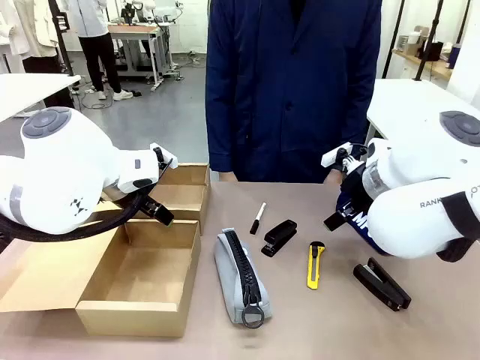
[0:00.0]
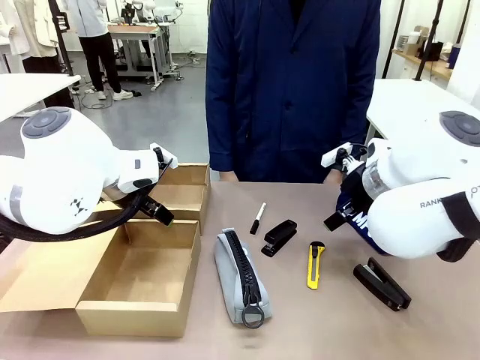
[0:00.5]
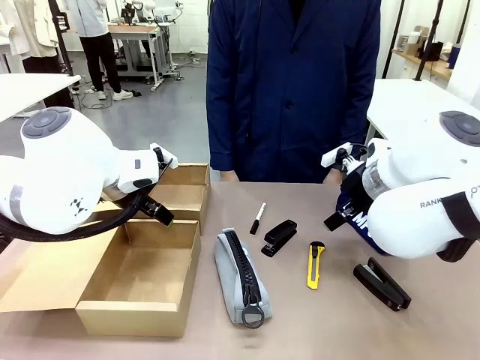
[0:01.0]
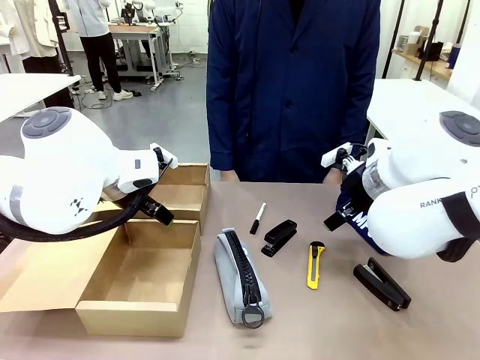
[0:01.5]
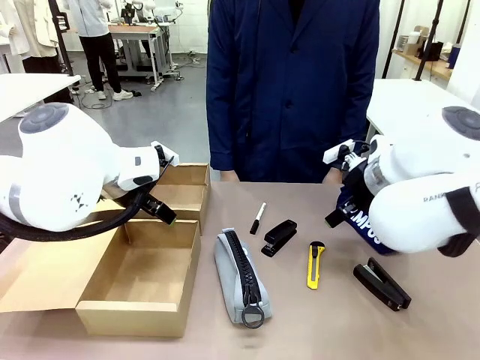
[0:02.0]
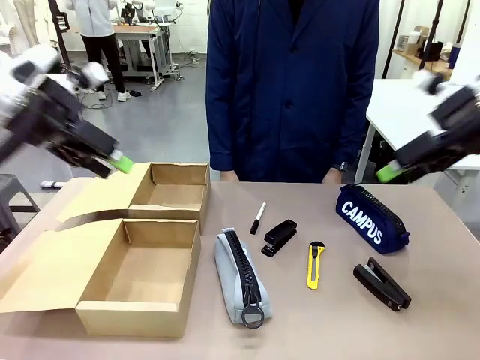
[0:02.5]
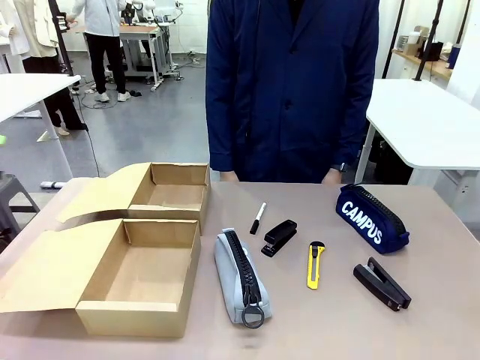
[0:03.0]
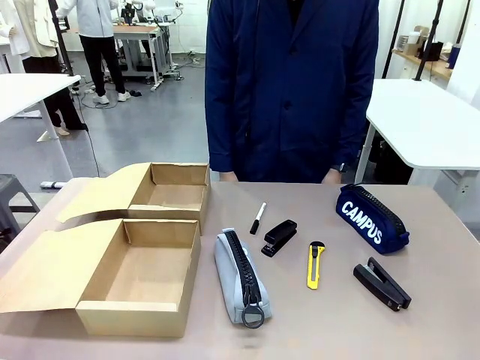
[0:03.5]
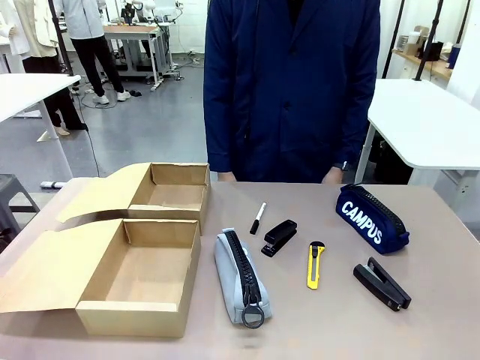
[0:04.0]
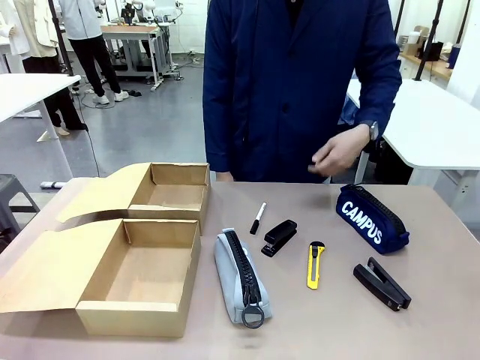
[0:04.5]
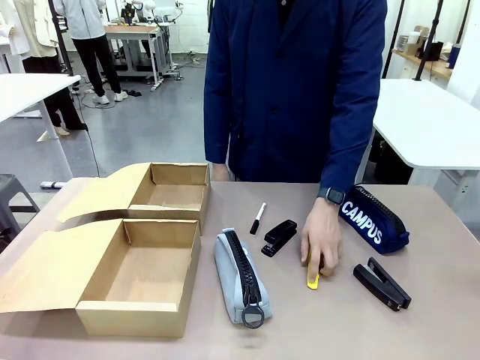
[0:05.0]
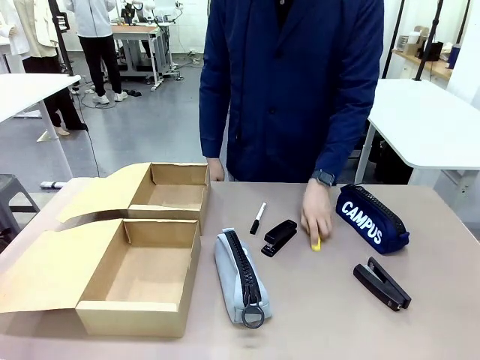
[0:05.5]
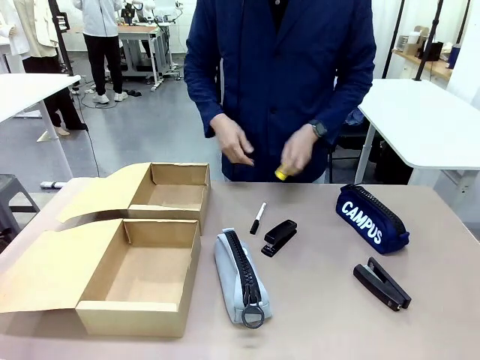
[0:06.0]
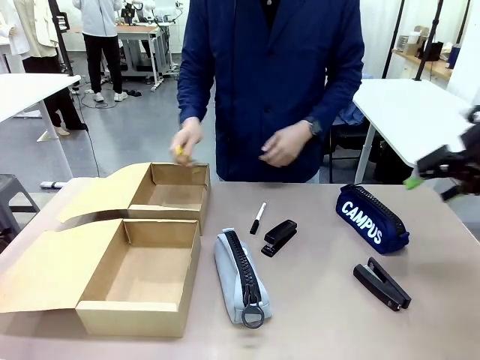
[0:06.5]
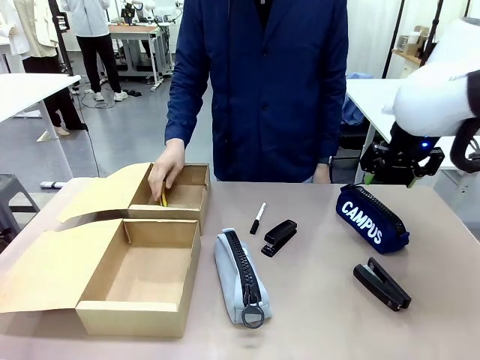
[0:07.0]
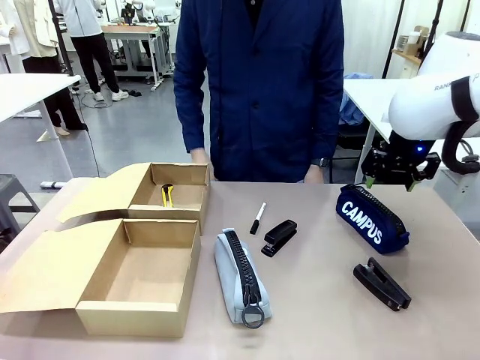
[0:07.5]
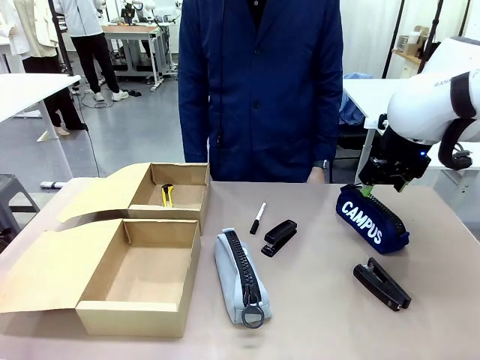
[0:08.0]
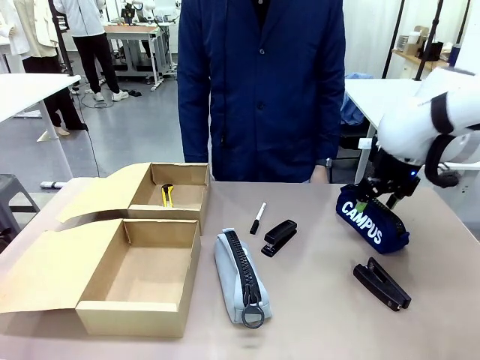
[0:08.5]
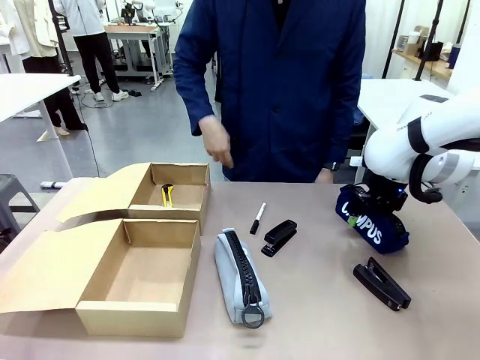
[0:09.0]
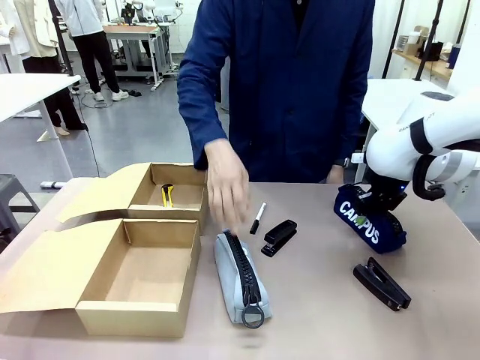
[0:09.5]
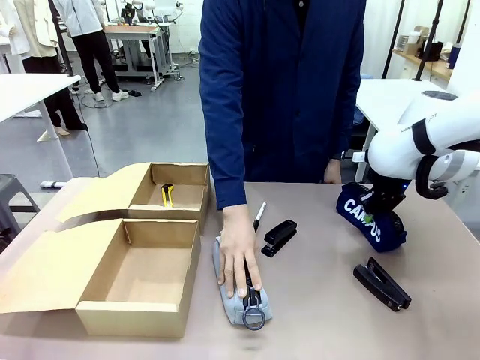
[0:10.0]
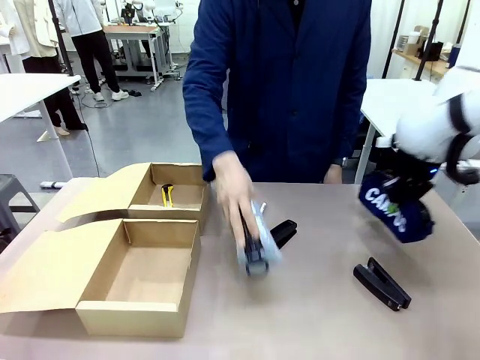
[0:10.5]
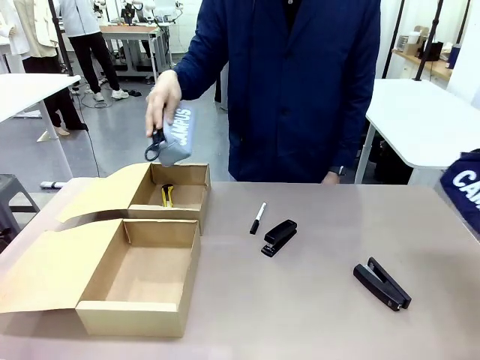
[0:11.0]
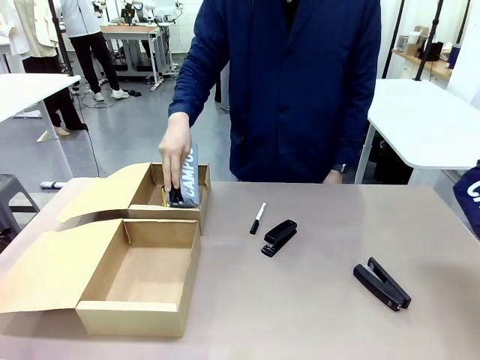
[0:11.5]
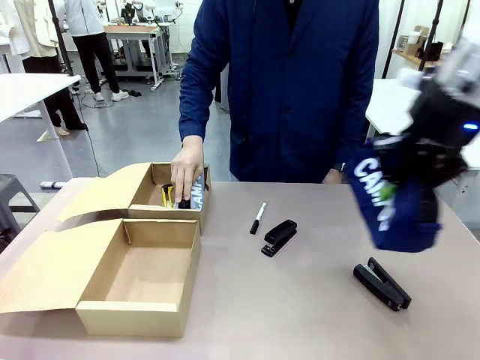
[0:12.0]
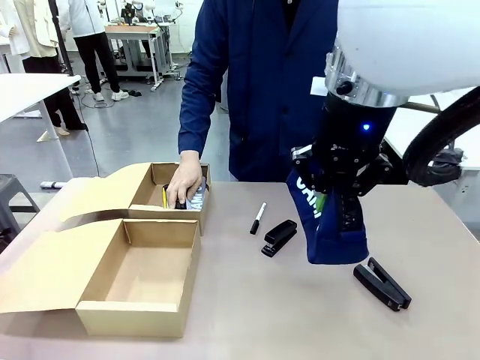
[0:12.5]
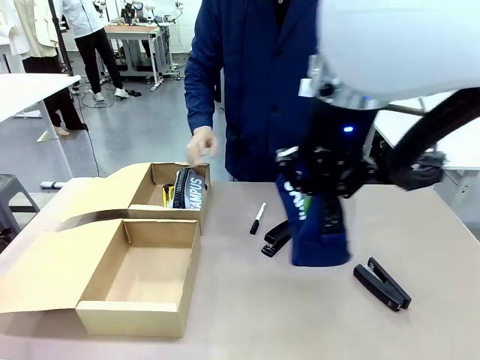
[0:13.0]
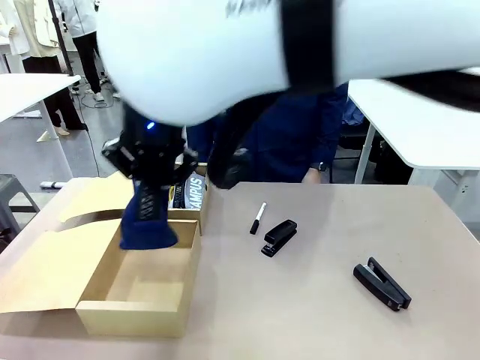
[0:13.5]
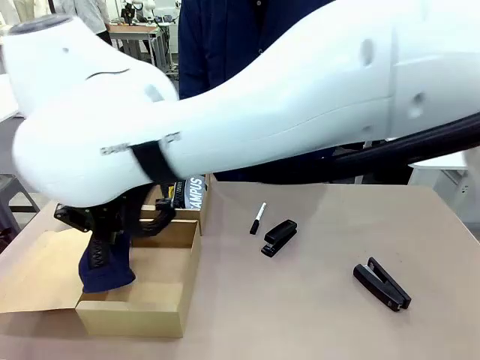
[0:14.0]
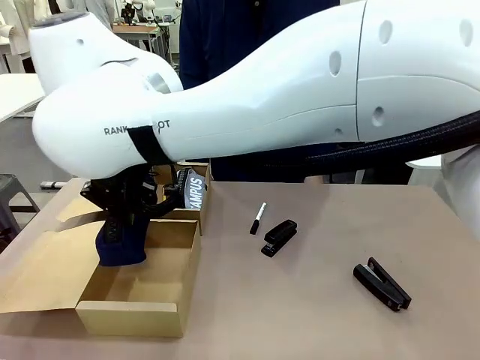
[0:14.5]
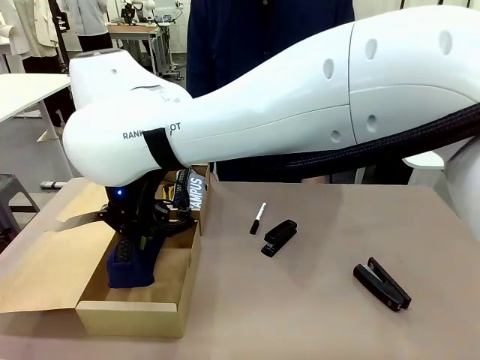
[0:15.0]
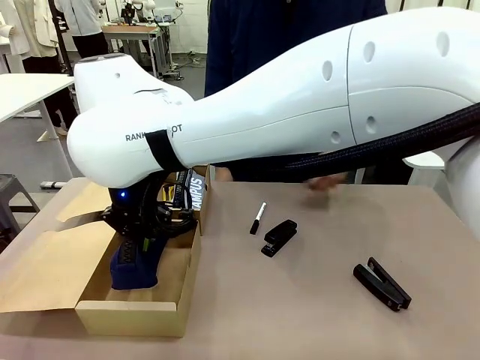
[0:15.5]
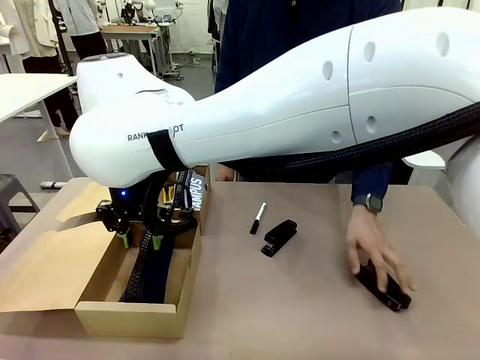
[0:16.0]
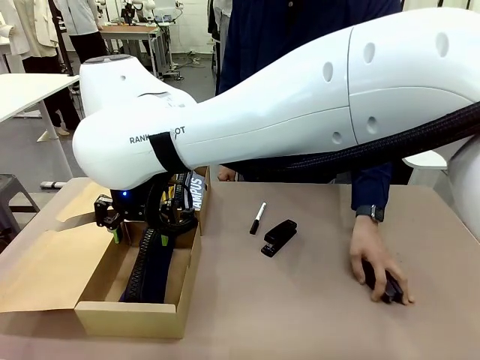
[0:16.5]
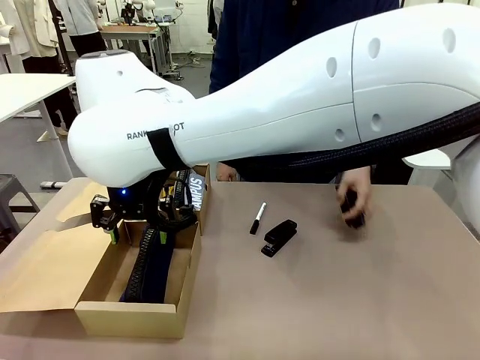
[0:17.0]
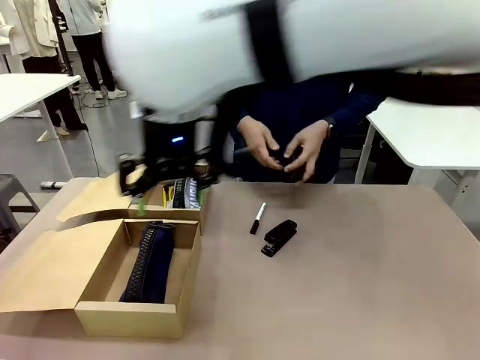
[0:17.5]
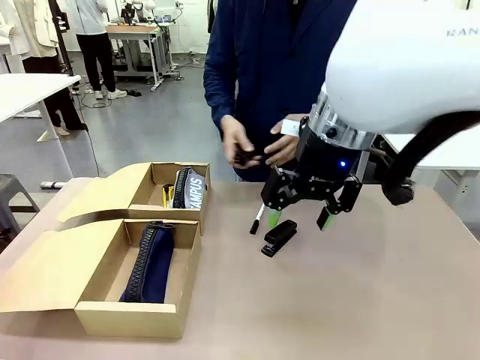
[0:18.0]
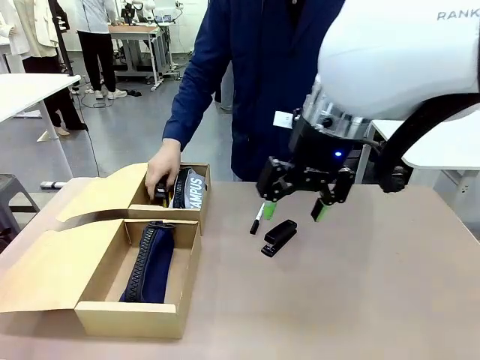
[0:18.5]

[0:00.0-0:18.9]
Task: Place items inside the box.
Robot: Pick up a Pencil pouch or Stapler and place it inside the Mailer Box closest to the robot.
Person: Pick up an object on the table and put it in the box.

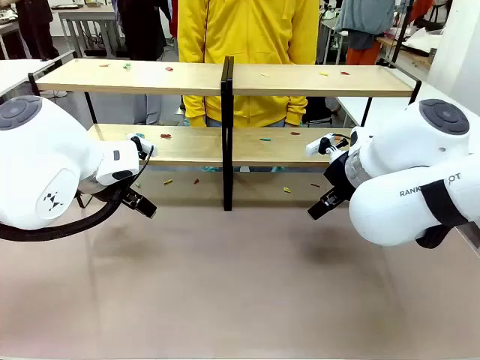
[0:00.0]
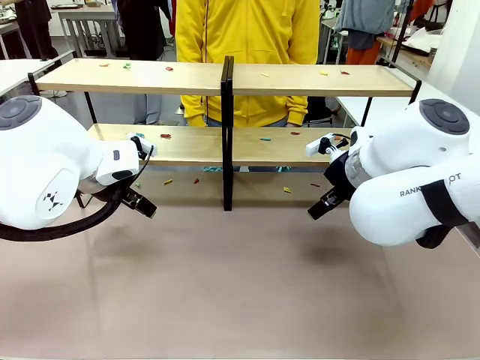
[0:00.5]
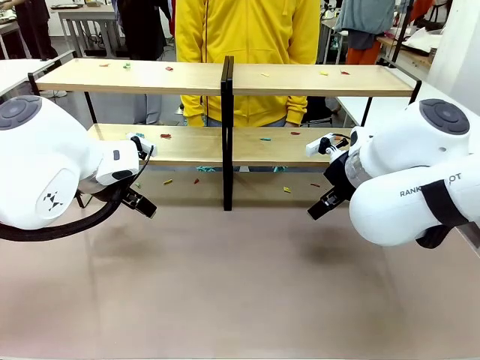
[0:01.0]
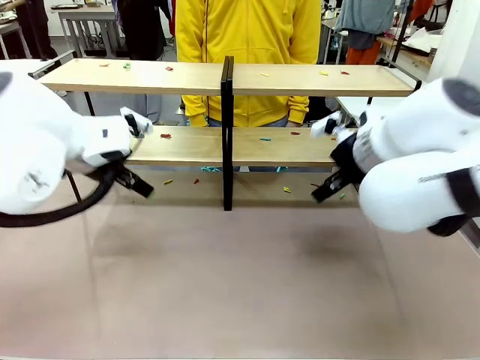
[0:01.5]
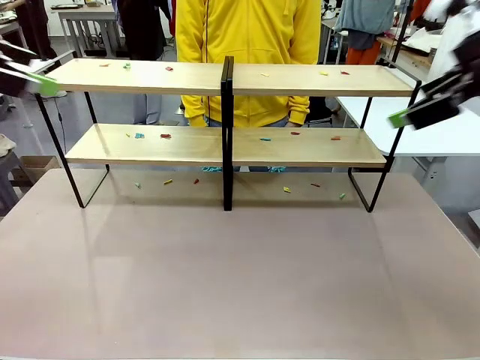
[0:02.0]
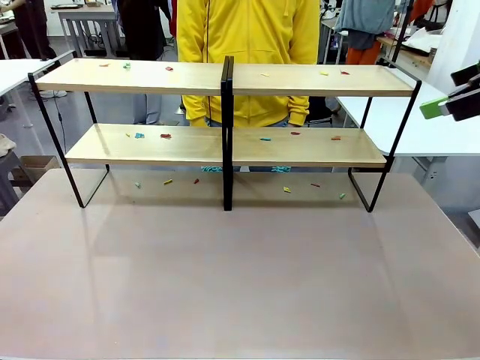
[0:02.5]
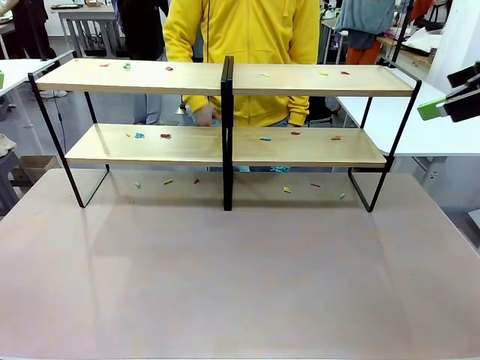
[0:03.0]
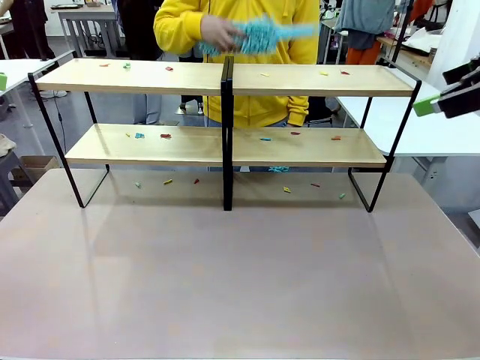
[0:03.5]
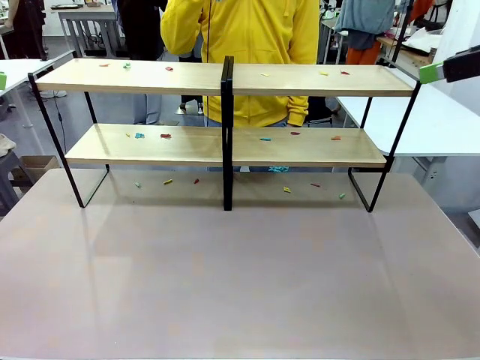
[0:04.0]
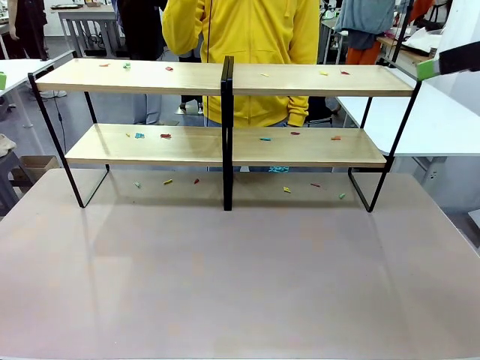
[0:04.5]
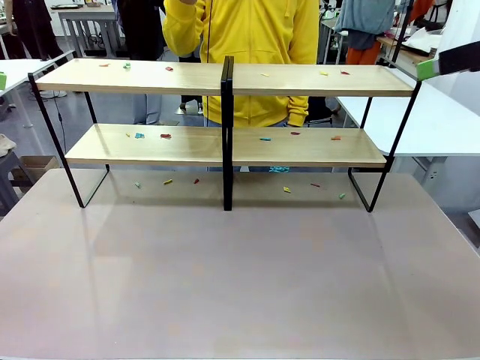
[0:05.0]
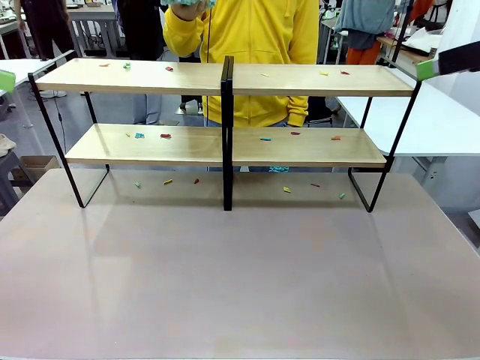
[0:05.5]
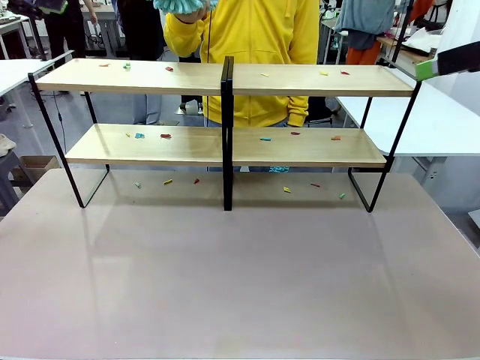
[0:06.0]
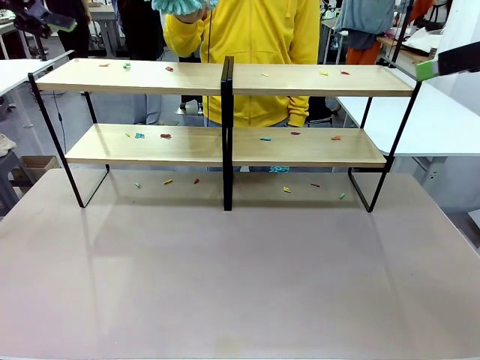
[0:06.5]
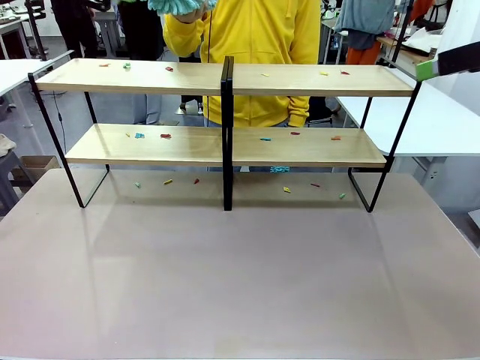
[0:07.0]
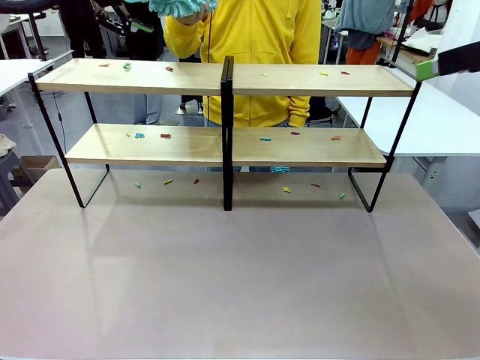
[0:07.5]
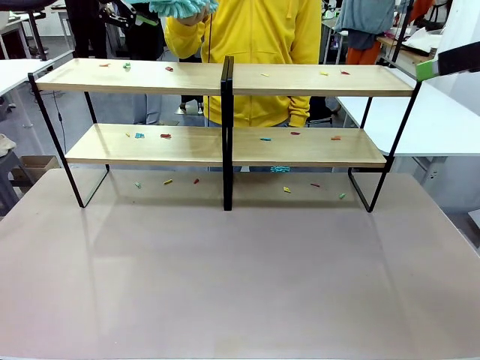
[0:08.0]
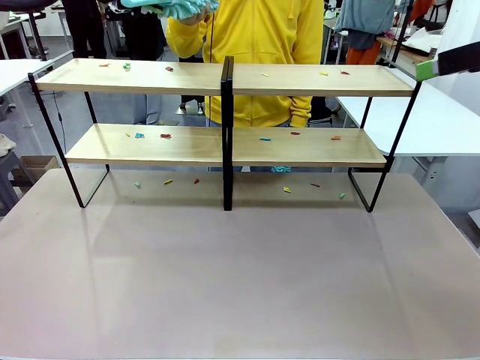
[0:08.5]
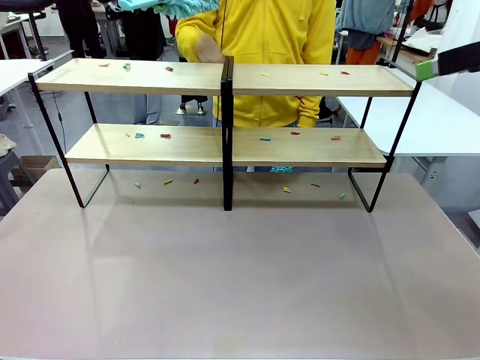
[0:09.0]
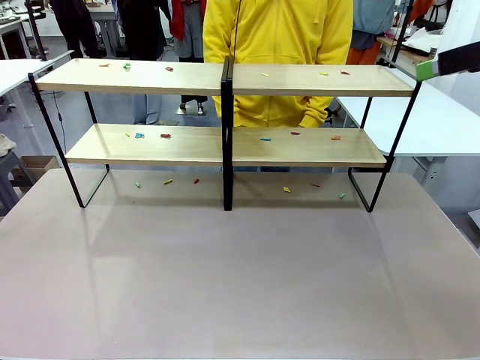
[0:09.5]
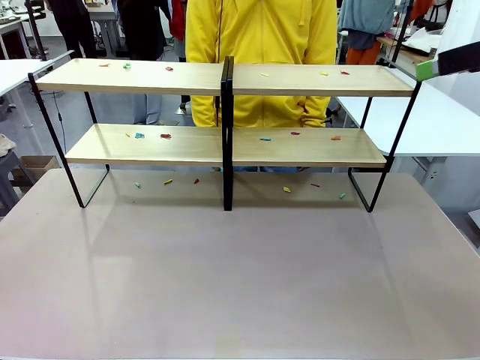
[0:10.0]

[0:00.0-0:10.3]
Task: Clean the shelves.
Robot: Pick up the Duster when the human hands it over.
Person: Hand the Duster to the robot with your right (or left) hand.
